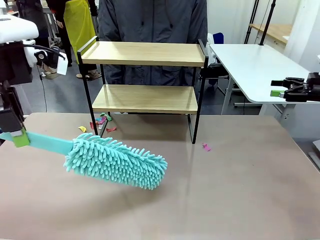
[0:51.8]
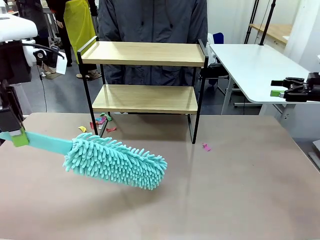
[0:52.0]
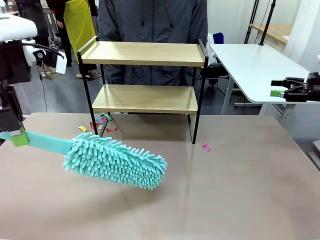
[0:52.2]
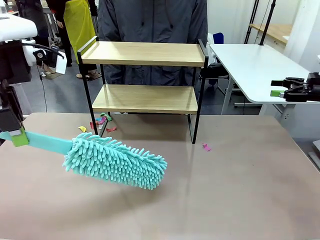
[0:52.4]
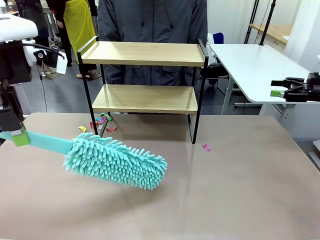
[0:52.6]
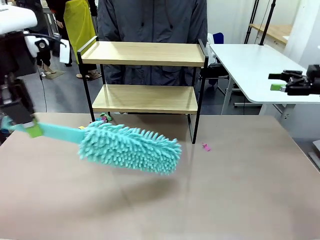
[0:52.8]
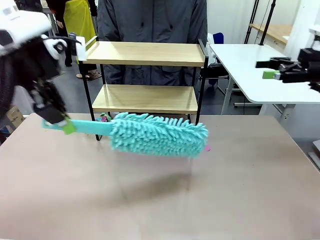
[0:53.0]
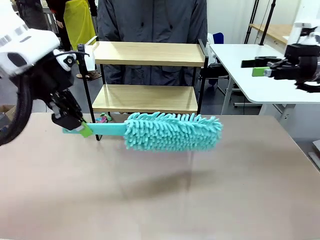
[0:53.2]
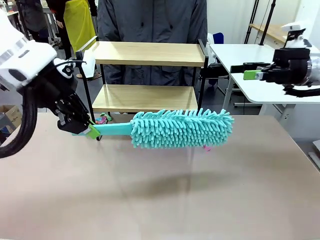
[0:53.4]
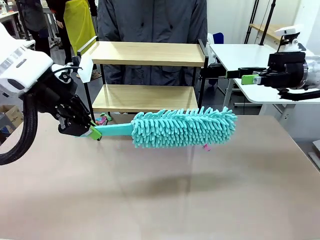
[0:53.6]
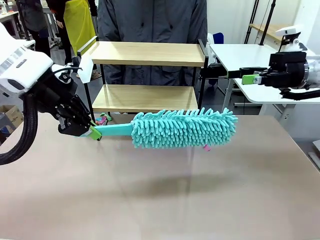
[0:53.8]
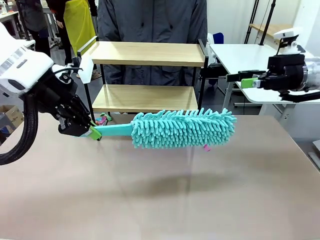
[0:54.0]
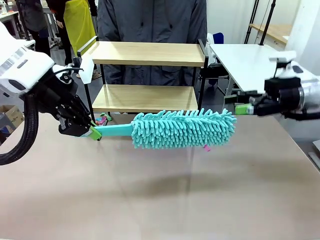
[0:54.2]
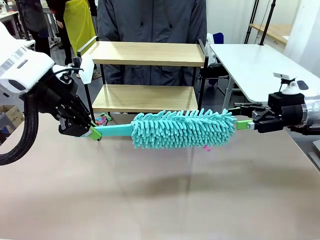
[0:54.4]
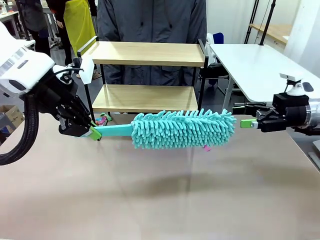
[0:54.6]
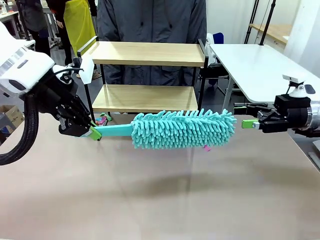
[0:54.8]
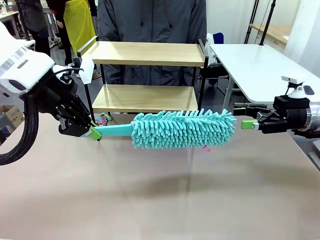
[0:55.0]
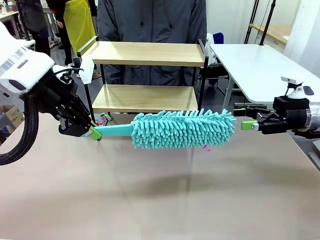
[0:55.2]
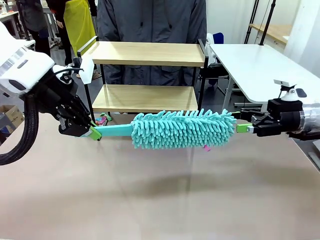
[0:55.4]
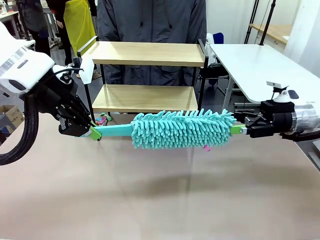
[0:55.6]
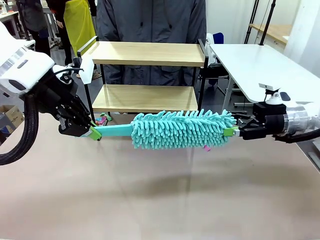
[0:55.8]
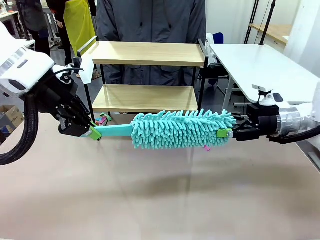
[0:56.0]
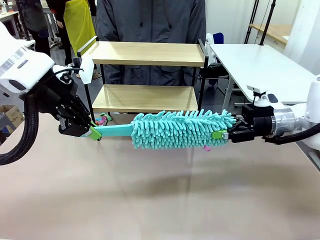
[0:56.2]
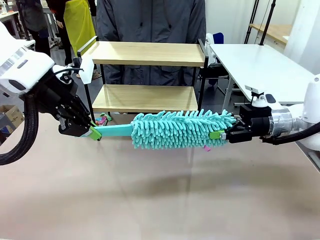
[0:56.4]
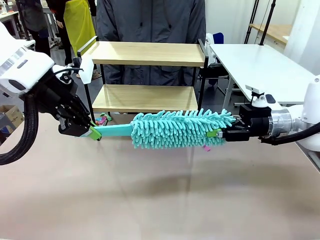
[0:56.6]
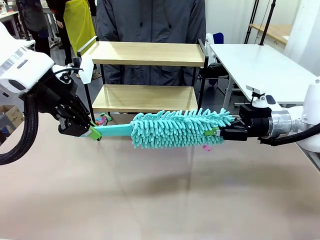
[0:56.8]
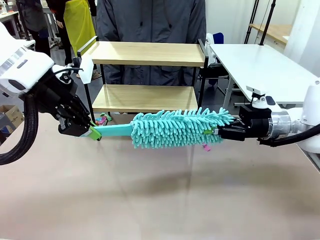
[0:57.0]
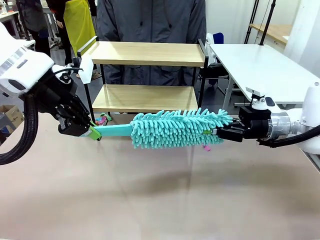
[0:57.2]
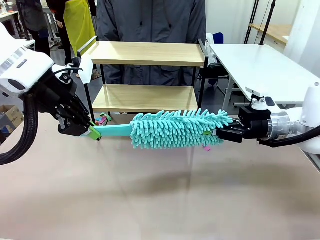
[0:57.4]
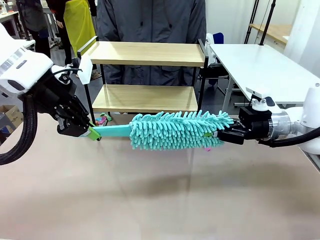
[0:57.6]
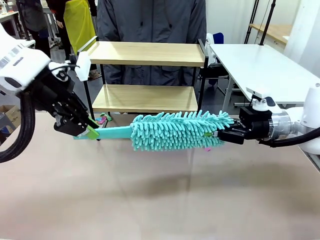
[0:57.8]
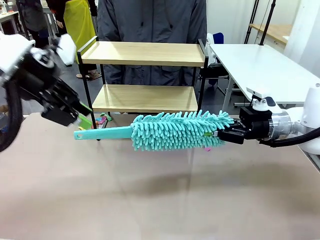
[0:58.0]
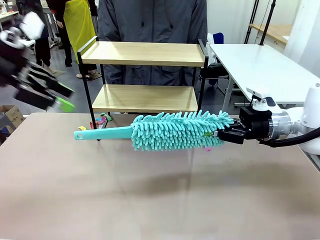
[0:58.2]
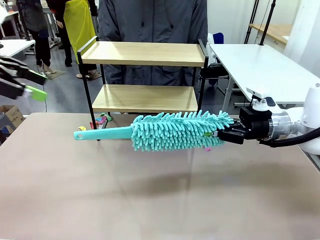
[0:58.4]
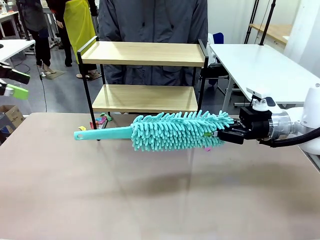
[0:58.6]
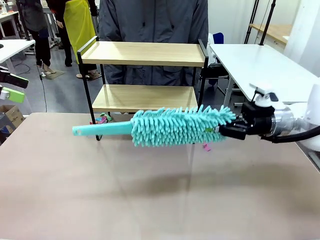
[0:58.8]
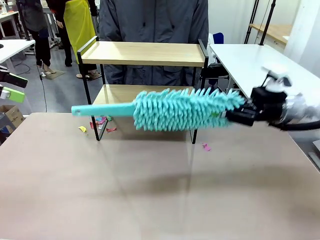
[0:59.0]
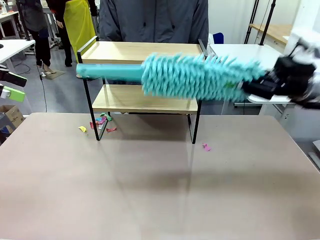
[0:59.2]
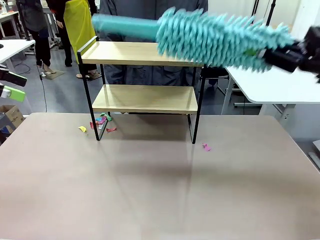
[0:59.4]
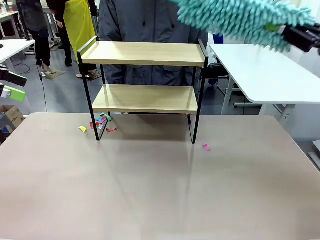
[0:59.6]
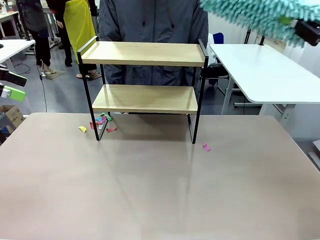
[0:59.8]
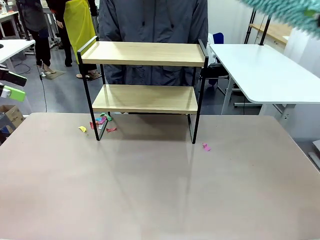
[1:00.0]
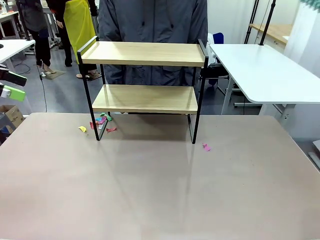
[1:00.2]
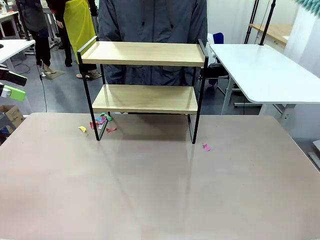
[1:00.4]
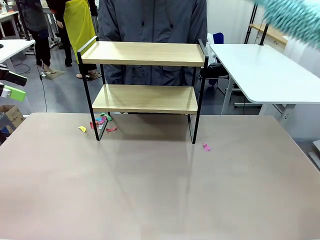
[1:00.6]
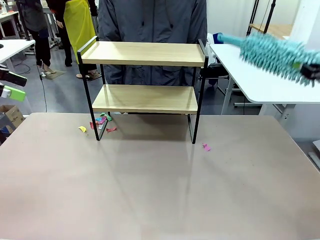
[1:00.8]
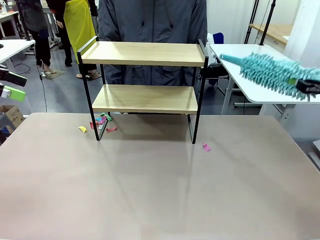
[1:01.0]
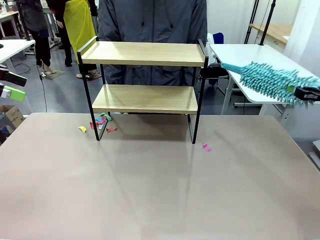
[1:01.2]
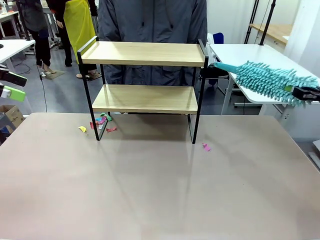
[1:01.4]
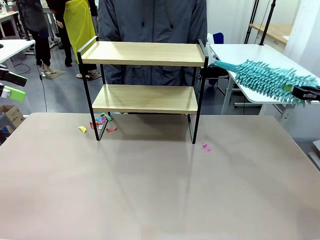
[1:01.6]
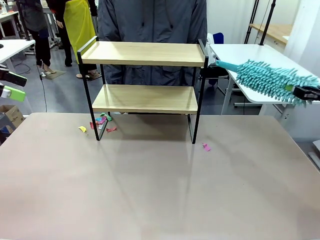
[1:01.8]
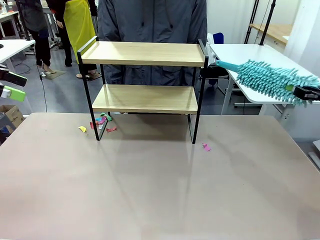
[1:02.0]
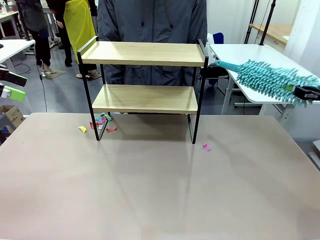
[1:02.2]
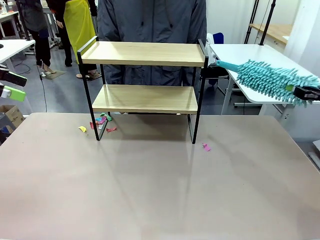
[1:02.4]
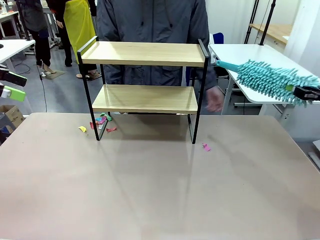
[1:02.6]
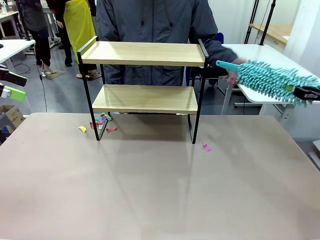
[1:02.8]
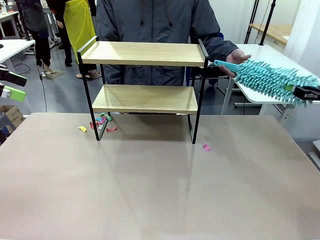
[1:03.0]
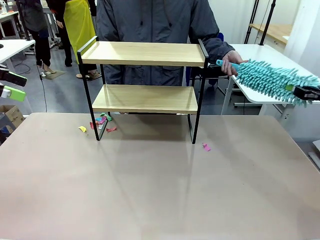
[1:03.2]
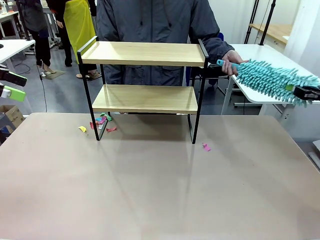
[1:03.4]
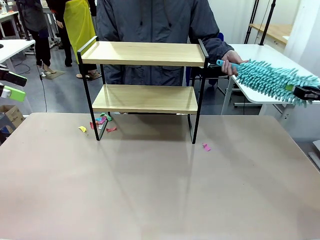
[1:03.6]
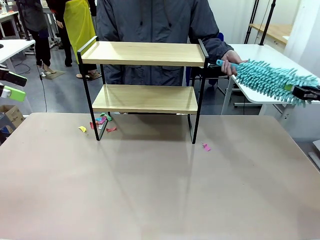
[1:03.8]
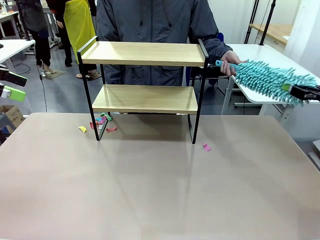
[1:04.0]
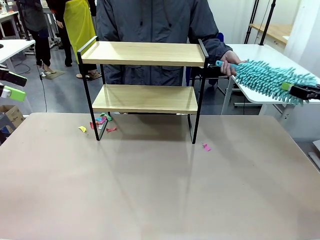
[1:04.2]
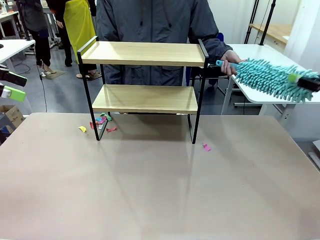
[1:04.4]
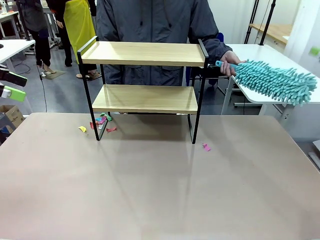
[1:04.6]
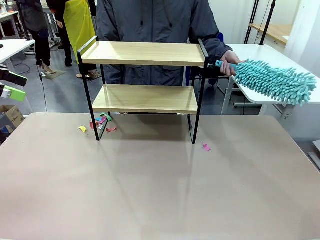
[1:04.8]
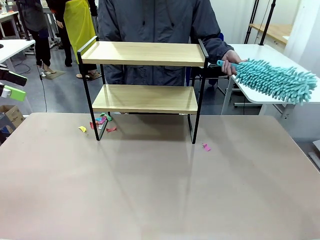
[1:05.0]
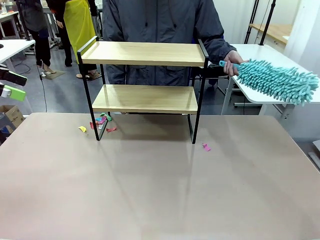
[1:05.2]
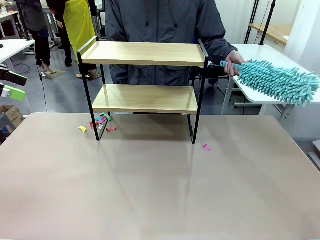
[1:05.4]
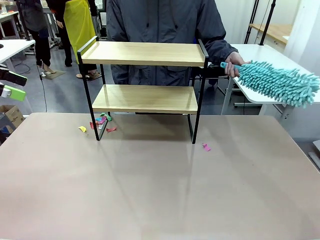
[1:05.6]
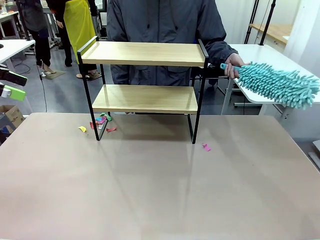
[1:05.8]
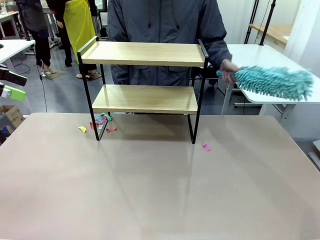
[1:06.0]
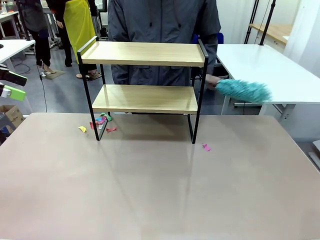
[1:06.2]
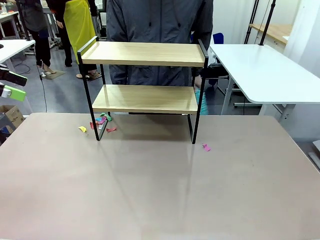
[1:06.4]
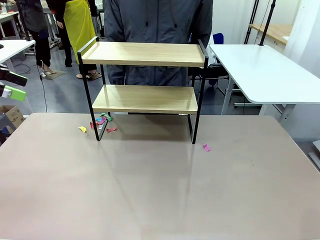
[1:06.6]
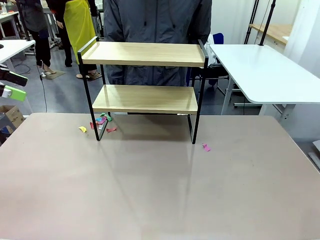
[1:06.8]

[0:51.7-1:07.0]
Task: Clean the shelf.
Robot: Hand the Duster back to the human.
Person: Receive the Duster from the robot.
